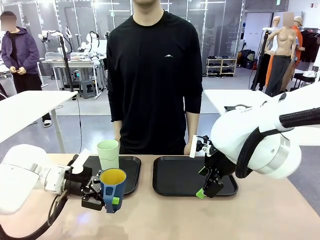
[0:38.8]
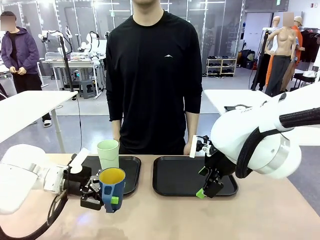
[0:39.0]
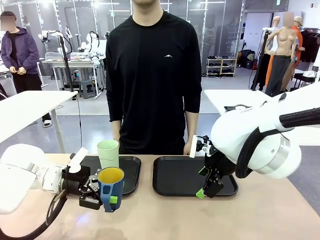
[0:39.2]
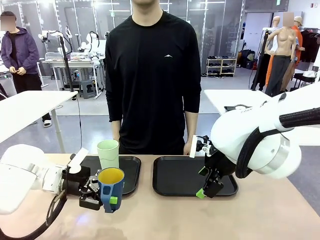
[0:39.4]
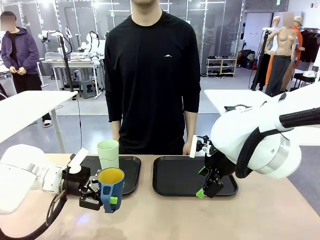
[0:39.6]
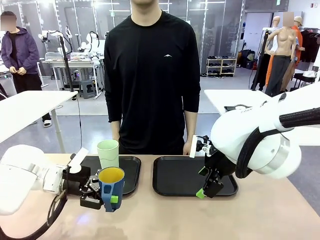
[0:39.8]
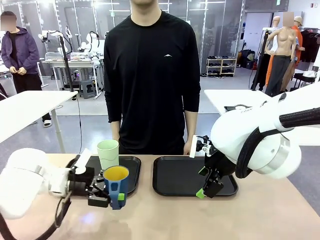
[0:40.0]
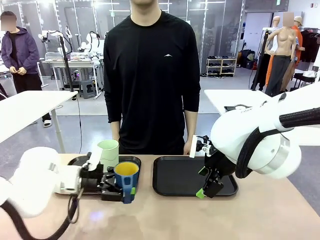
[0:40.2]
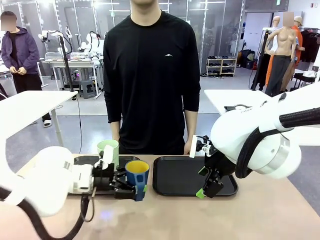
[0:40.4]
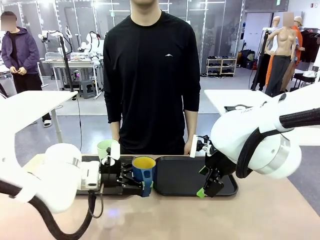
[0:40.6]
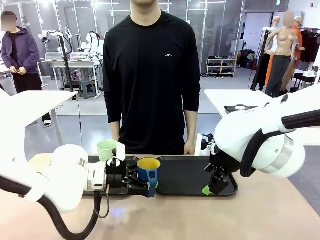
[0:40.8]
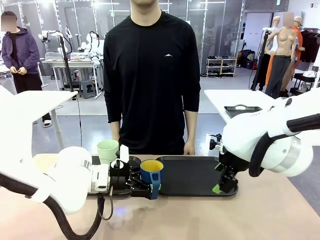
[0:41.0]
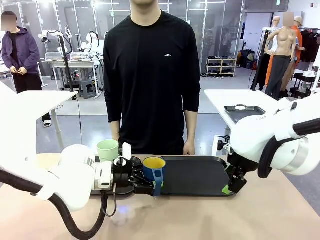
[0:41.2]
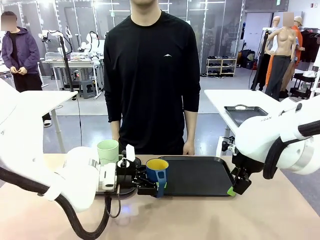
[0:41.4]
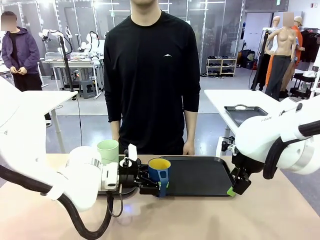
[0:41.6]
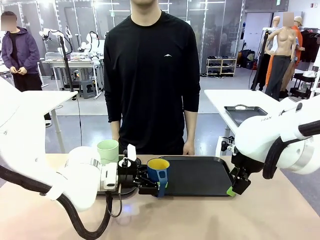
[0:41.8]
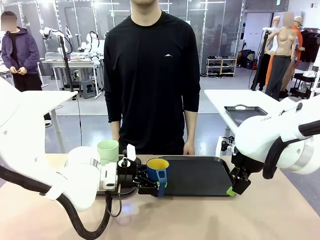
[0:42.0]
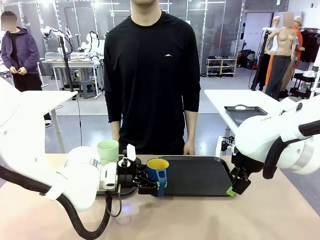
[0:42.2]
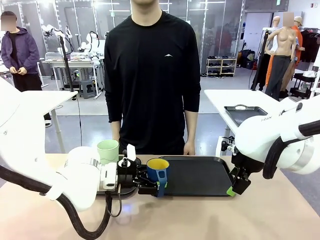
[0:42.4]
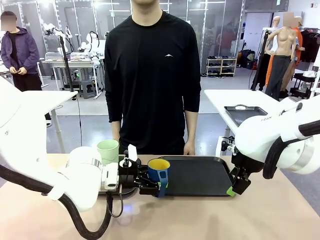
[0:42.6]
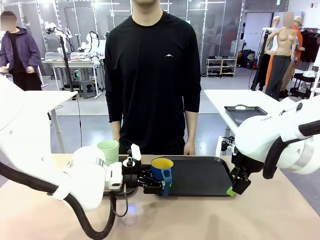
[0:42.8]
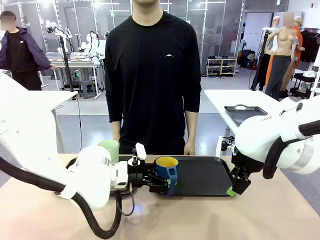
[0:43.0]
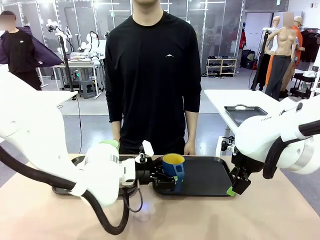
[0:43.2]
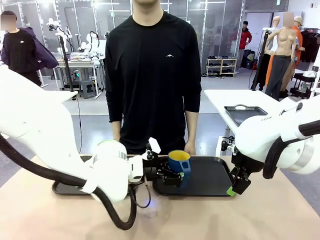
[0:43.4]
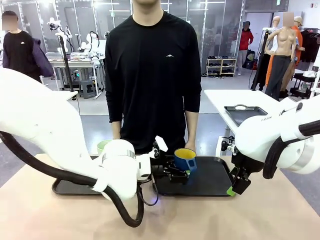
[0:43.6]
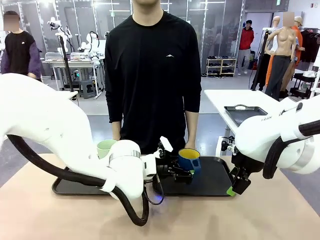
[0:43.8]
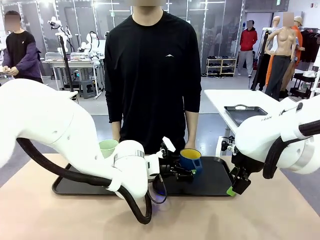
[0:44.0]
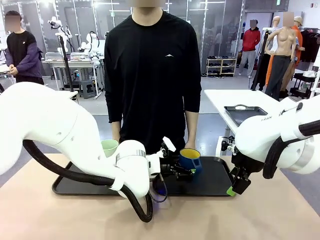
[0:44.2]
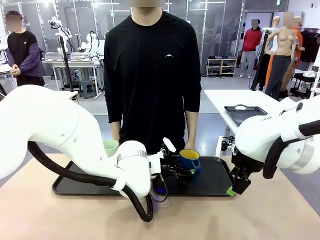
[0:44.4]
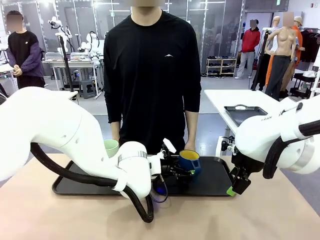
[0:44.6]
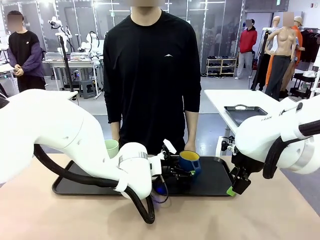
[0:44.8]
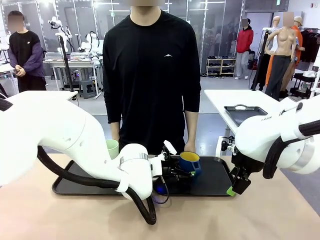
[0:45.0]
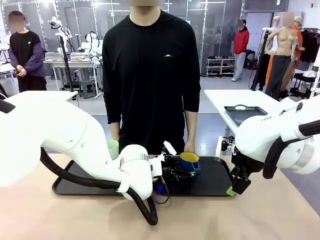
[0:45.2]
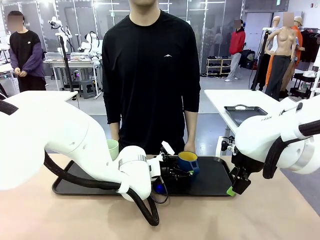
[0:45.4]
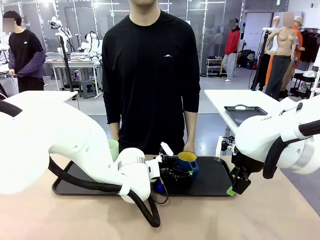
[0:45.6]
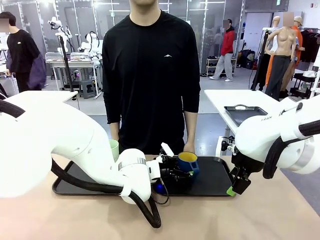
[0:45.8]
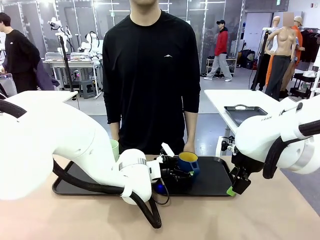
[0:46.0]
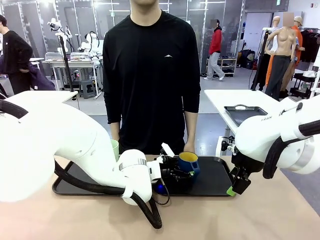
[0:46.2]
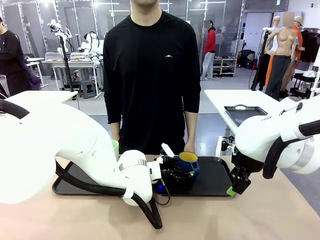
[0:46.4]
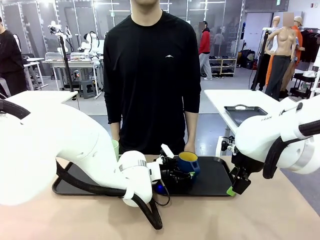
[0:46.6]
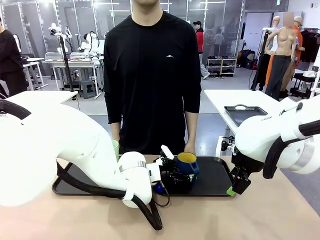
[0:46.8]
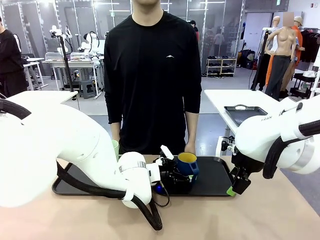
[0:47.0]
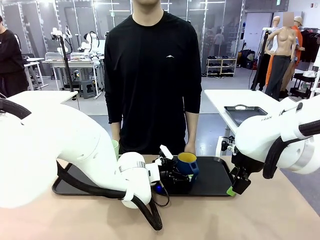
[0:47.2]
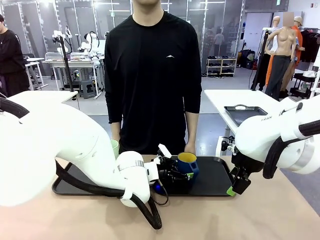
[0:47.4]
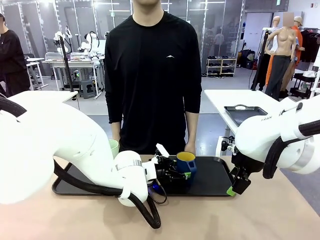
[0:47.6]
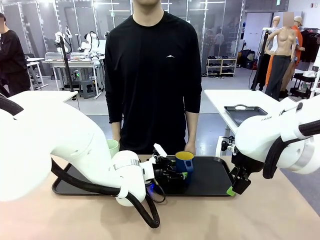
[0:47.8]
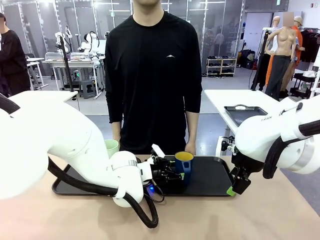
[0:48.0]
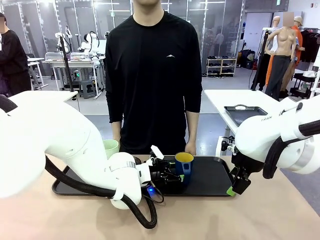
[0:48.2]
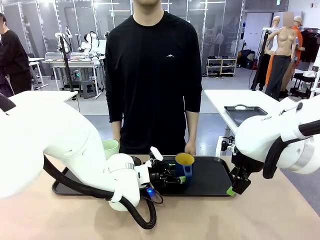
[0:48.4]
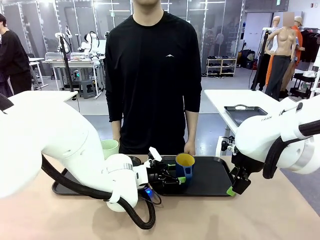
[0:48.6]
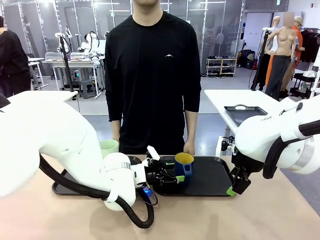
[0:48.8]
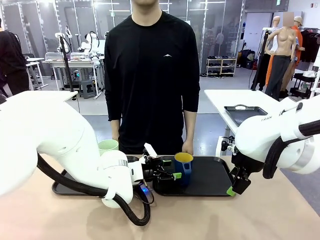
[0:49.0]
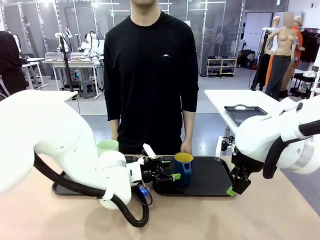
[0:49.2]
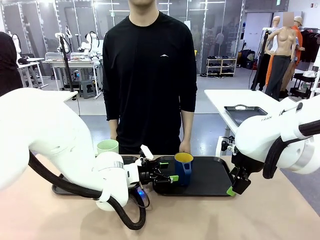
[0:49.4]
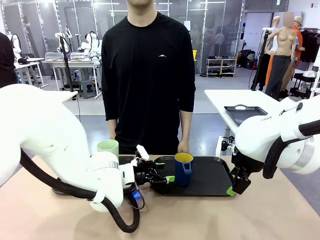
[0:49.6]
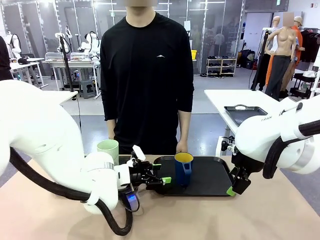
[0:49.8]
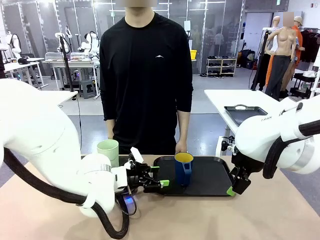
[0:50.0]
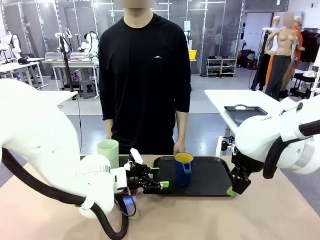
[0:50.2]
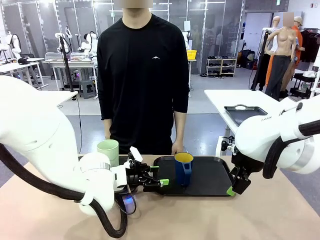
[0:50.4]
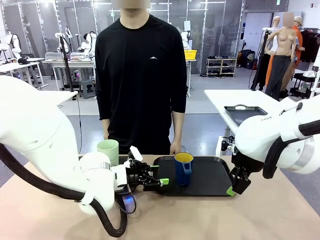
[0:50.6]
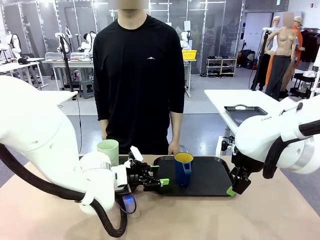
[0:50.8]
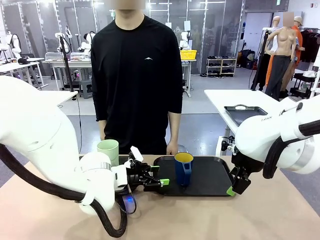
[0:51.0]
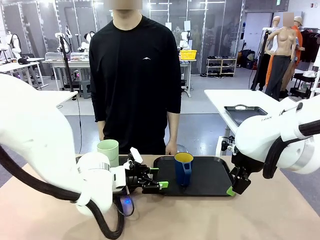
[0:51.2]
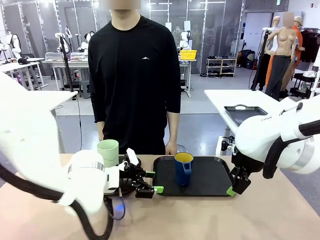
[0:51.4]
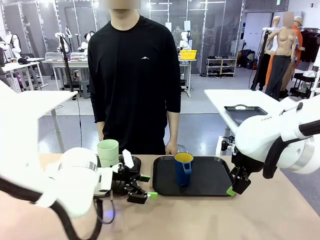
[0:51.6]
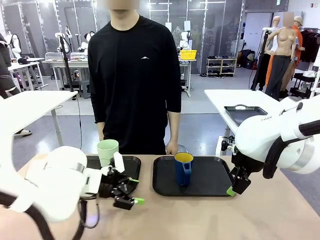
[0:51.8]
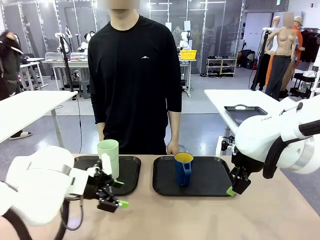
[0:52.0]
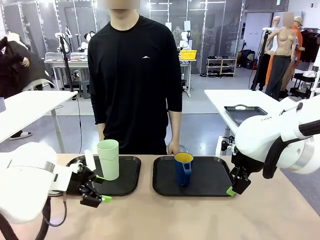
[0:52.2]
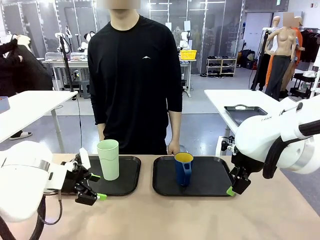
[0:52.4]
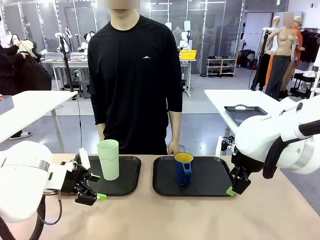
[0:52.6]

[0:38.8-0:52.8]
Task: Sort and store the cups by type.
Robot: Pick up the Handle plastic cup and place it into the empty Flat Tray.

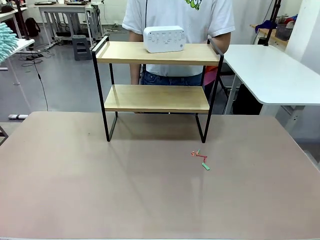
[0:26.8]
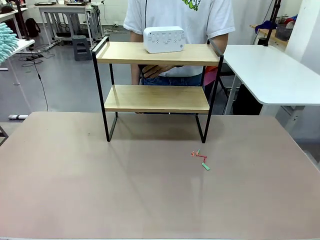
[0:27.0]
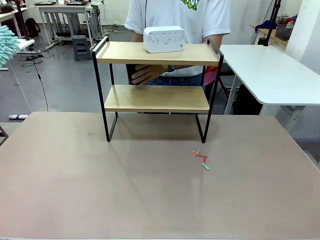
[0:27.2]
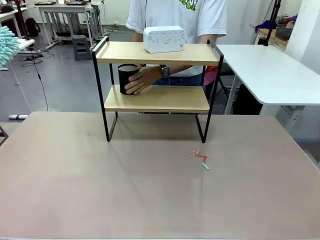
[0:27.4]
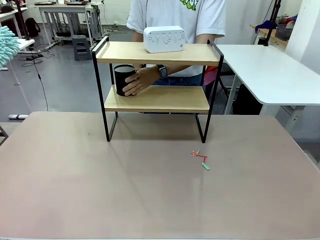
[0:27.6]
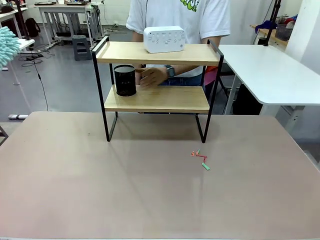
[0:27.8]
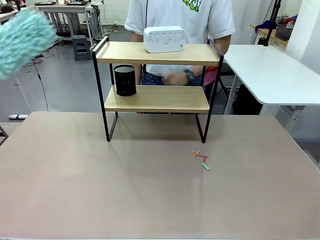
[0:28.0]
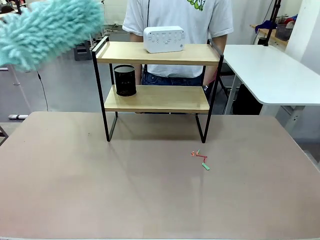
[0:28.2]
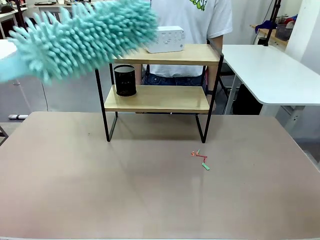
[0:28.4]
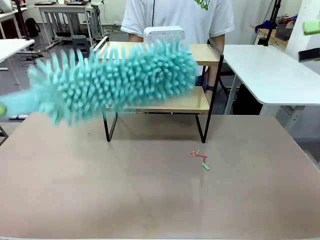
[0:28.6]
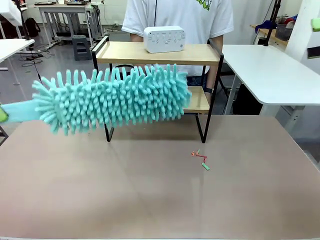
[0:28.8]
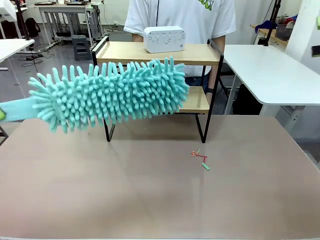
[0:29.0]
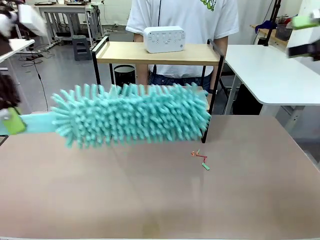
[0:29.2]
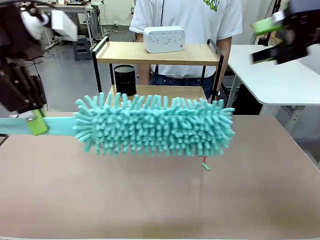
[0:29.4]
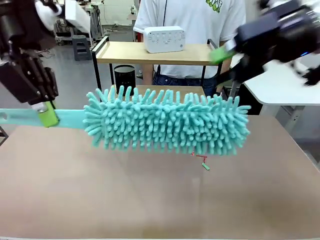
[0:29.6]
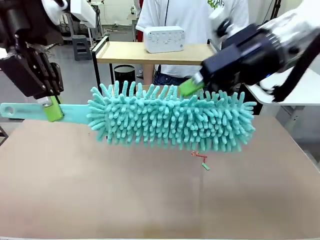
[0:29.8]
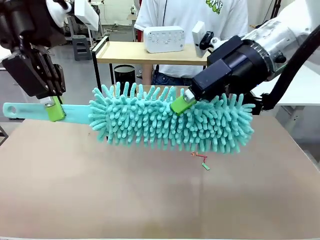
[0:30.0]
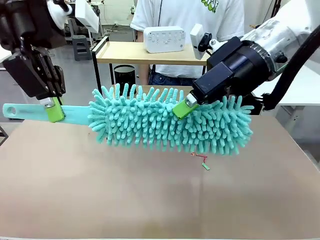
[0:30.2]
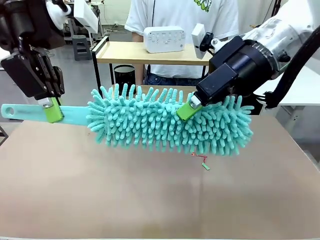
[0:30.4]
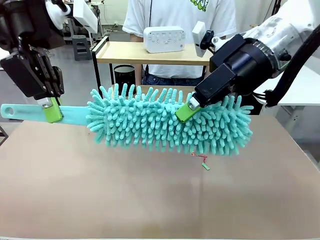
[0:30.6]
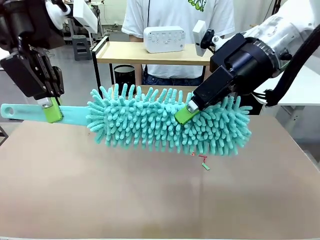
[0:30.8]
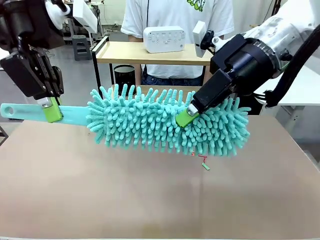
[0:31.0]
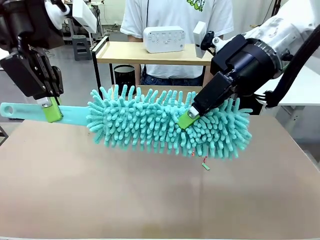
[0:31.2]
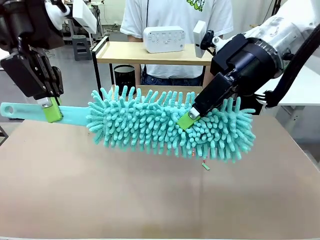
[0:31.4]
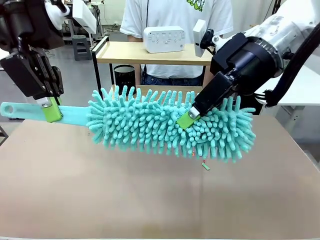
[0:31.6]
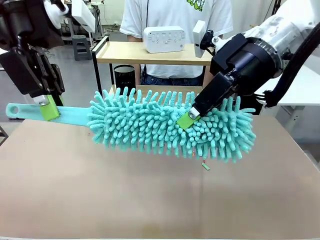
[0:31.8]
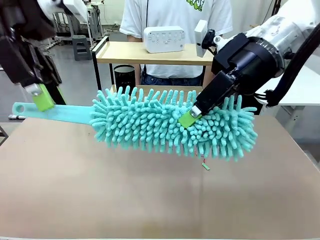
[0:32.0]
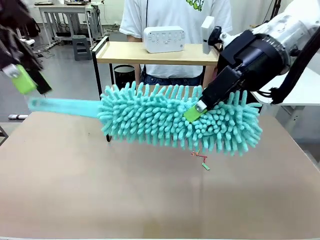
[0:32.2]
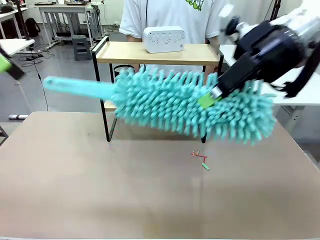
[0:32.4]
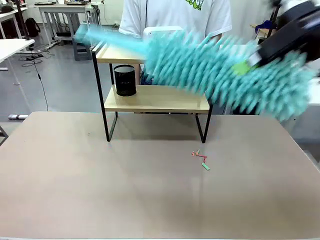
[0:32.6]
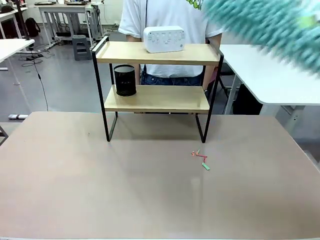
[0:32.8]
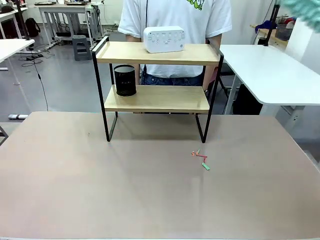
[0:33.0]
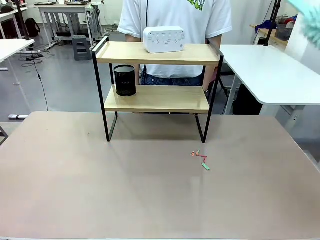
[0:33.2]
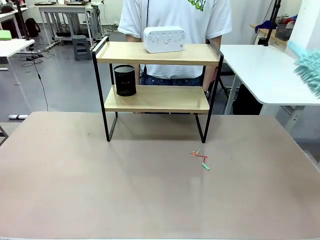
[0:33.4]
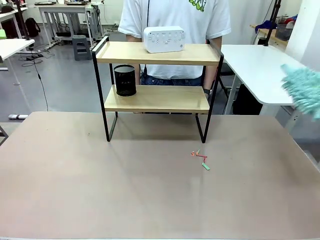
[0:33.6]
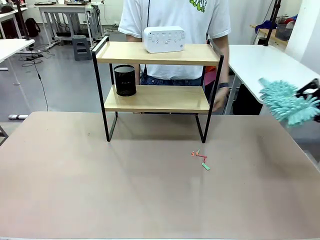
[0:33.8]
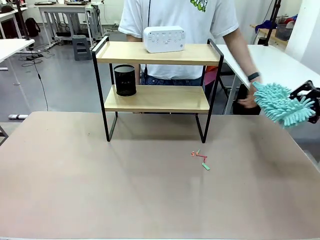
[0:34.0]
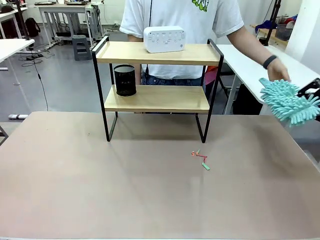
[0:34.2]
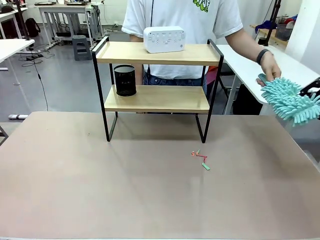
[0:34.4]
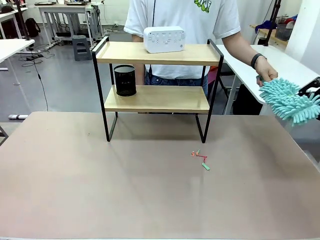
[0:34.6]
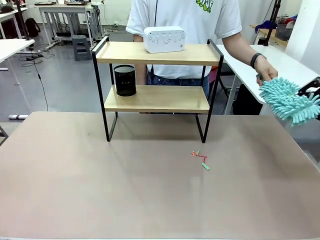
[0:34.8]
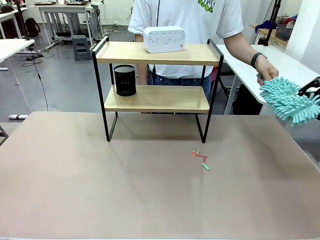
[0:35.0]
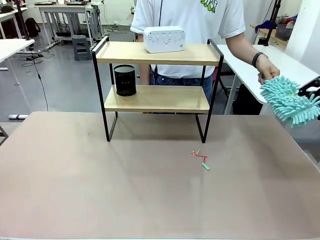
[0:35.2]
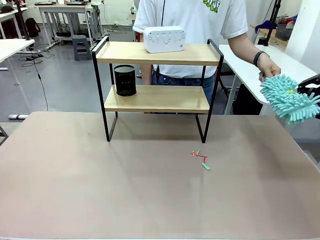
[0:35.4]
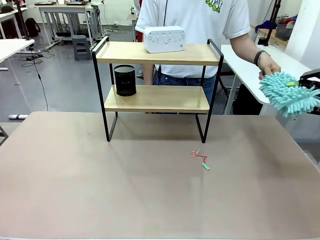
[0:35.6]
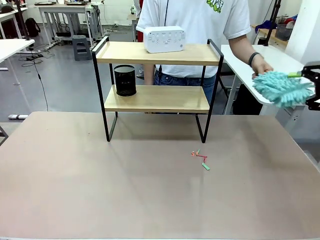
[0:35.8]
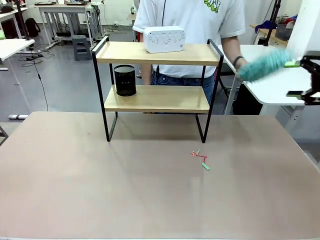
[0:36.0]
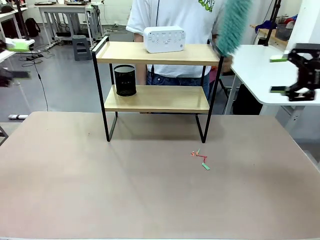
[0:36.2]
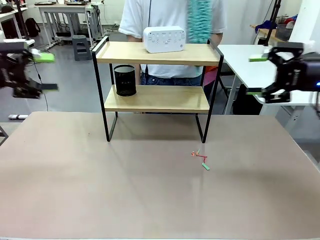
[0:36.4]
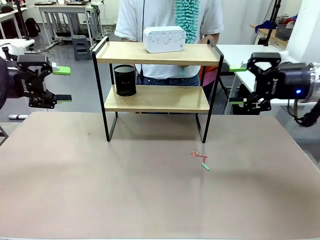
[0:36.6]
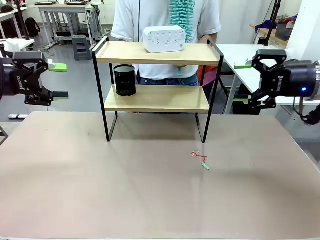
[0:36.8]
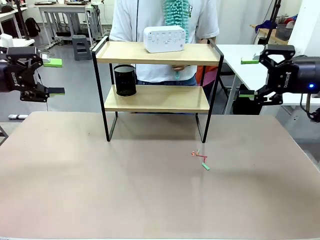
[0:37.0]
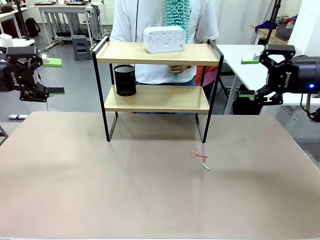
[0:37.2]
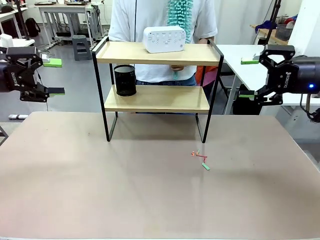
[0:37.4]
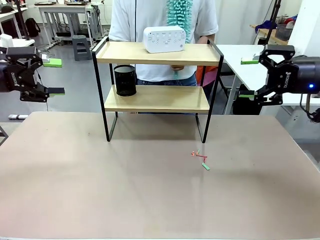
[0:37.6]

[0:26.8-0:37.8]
Task: Clean the shelf.
Robot: Hand the Duster back to the human.
Person: Receive the Duster from the robot.
